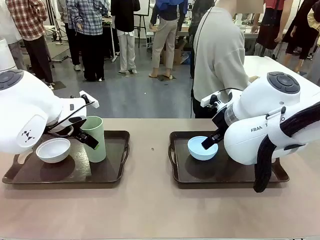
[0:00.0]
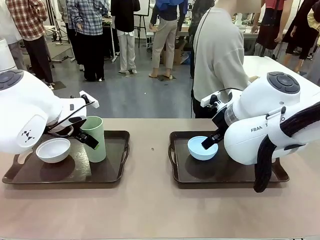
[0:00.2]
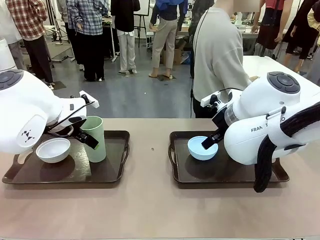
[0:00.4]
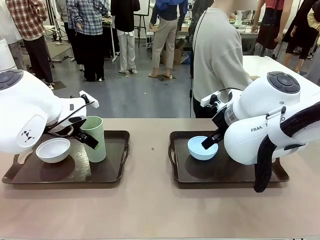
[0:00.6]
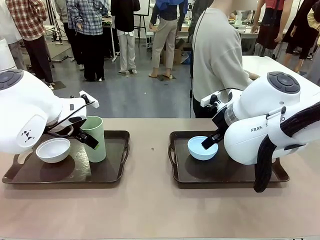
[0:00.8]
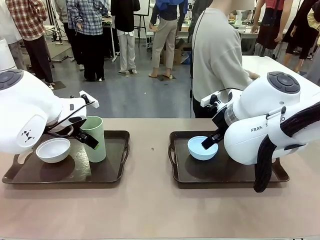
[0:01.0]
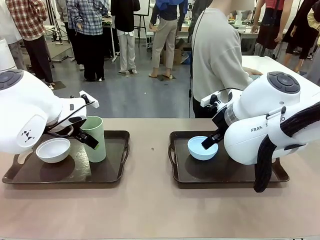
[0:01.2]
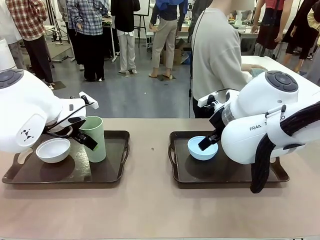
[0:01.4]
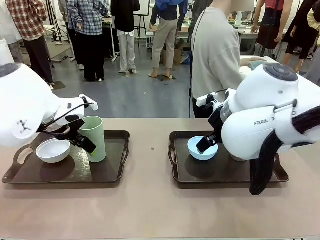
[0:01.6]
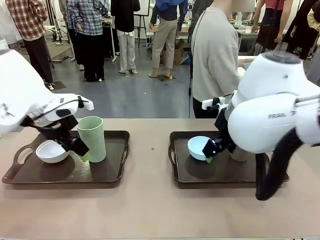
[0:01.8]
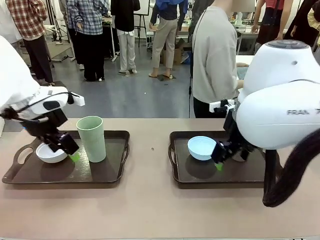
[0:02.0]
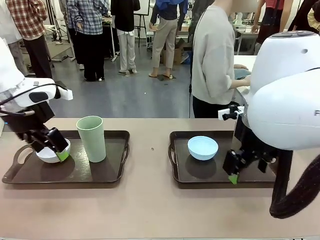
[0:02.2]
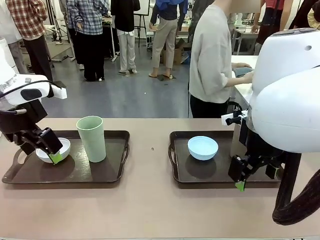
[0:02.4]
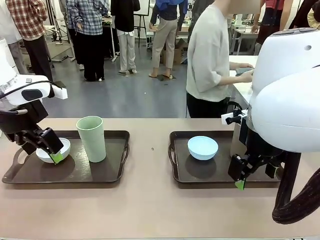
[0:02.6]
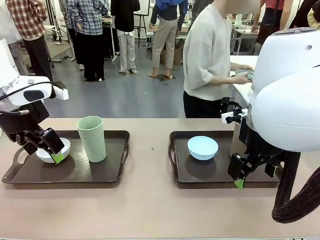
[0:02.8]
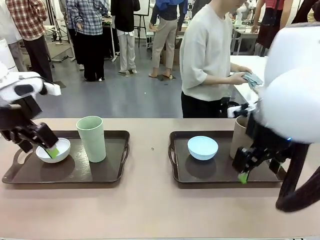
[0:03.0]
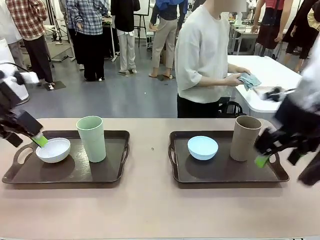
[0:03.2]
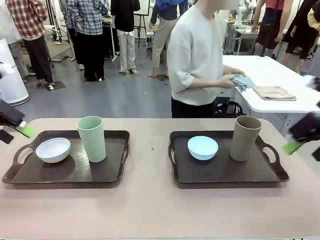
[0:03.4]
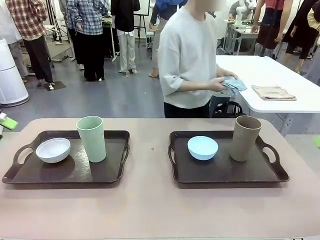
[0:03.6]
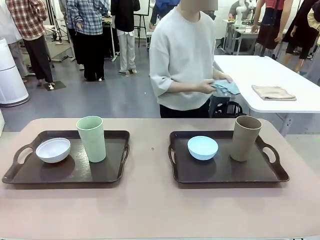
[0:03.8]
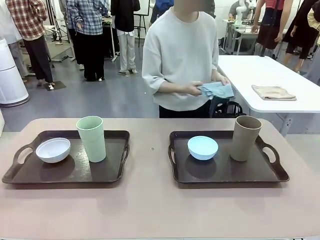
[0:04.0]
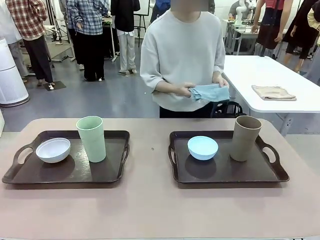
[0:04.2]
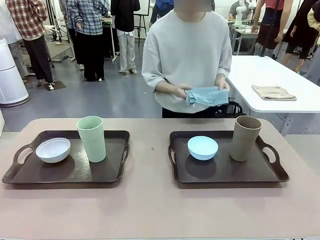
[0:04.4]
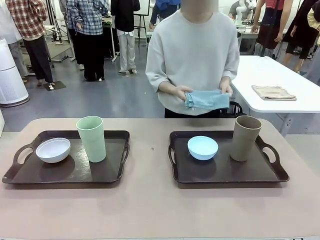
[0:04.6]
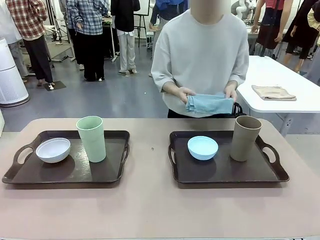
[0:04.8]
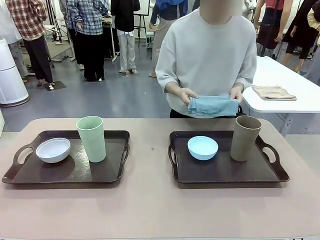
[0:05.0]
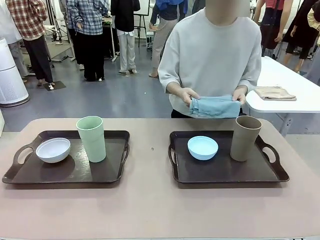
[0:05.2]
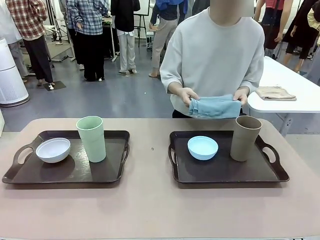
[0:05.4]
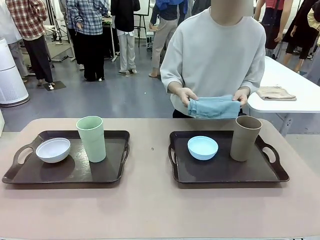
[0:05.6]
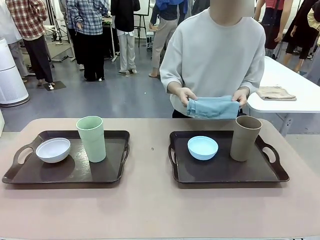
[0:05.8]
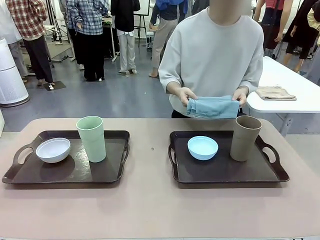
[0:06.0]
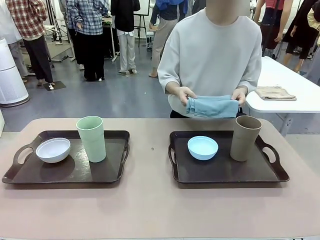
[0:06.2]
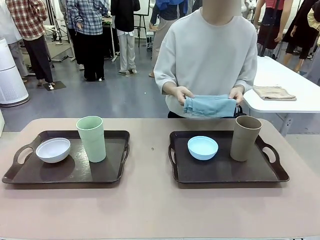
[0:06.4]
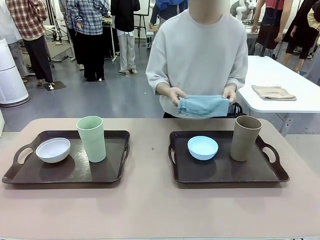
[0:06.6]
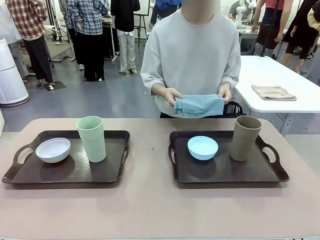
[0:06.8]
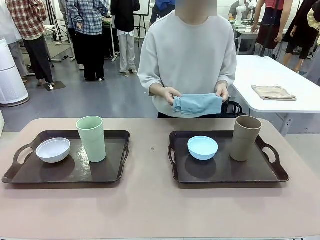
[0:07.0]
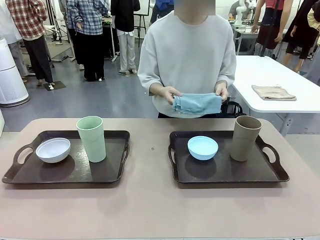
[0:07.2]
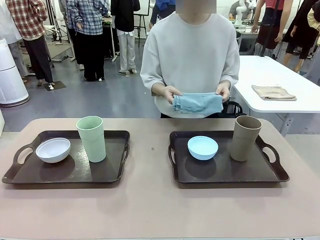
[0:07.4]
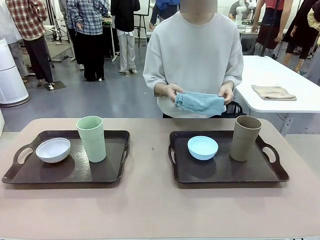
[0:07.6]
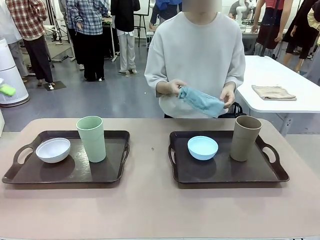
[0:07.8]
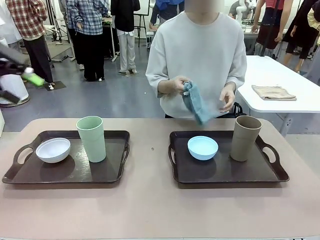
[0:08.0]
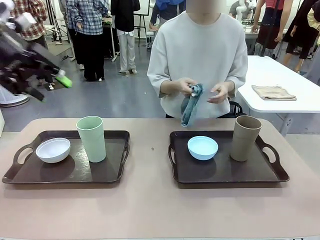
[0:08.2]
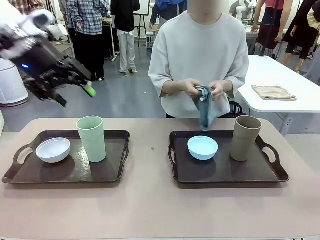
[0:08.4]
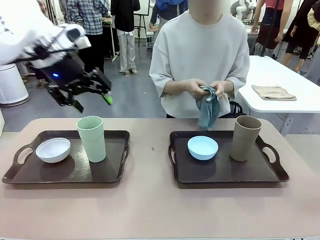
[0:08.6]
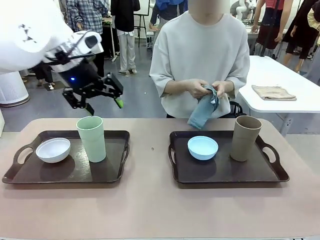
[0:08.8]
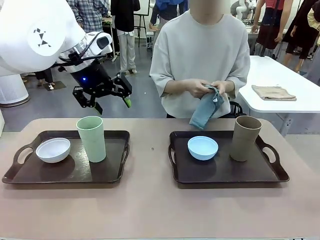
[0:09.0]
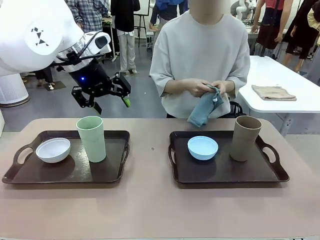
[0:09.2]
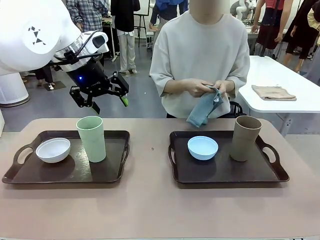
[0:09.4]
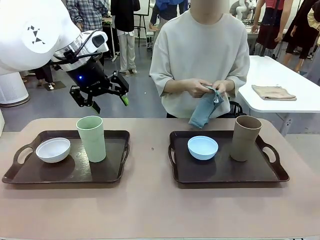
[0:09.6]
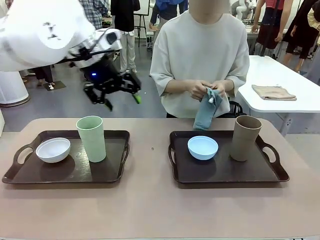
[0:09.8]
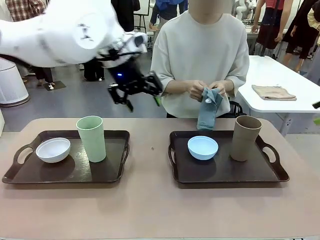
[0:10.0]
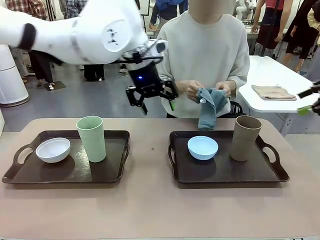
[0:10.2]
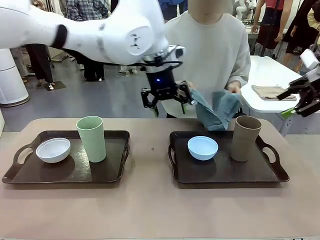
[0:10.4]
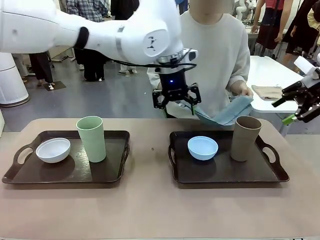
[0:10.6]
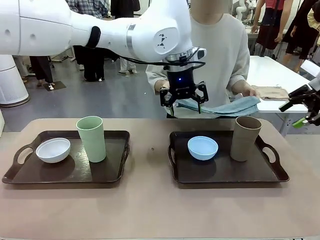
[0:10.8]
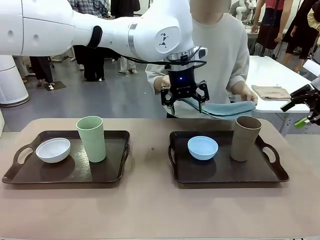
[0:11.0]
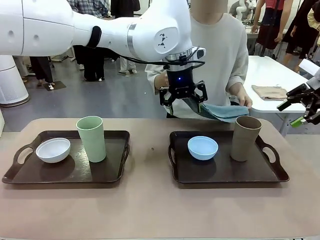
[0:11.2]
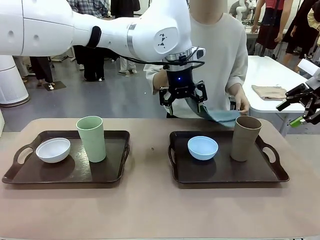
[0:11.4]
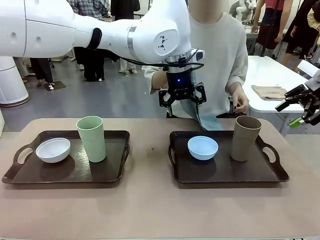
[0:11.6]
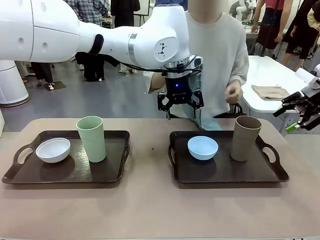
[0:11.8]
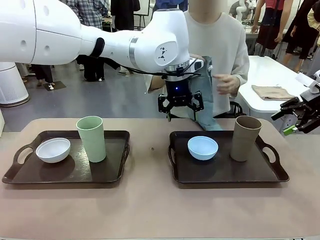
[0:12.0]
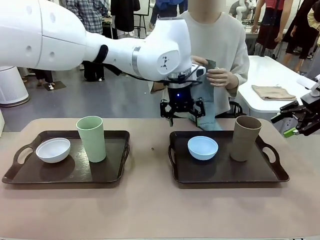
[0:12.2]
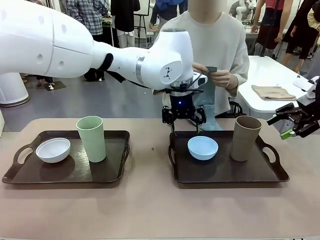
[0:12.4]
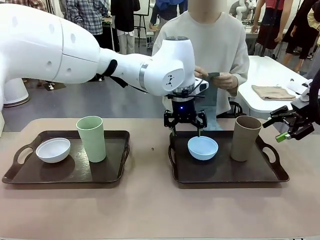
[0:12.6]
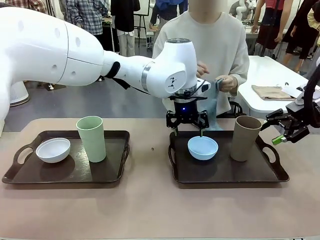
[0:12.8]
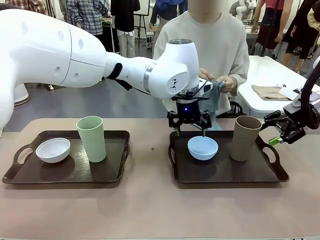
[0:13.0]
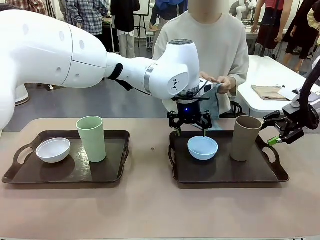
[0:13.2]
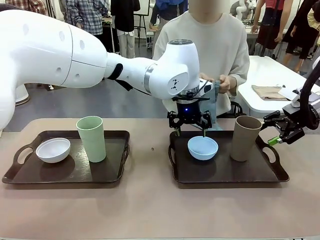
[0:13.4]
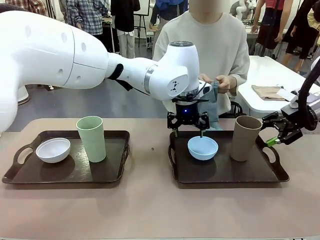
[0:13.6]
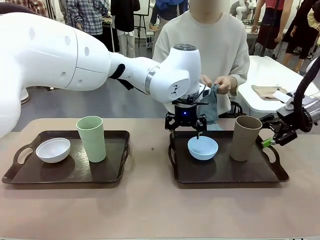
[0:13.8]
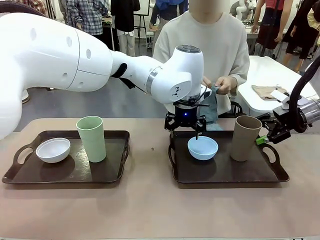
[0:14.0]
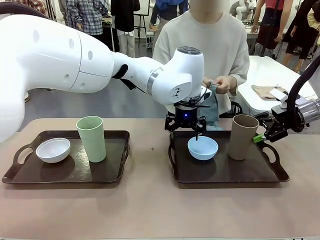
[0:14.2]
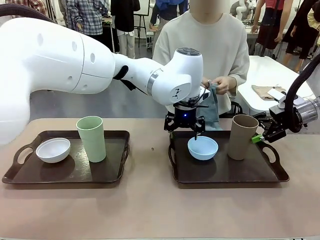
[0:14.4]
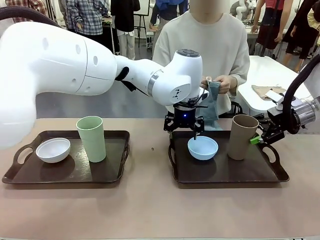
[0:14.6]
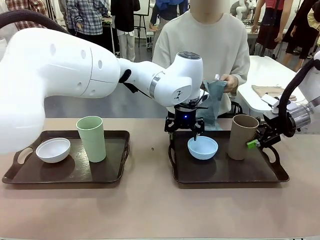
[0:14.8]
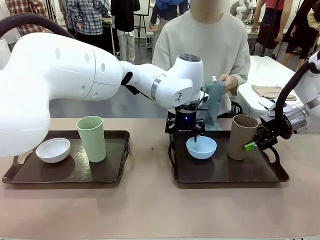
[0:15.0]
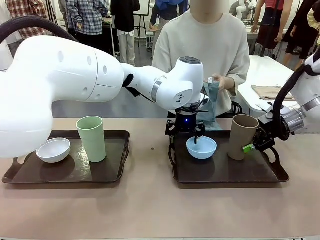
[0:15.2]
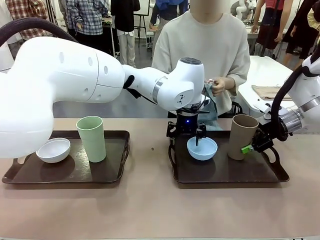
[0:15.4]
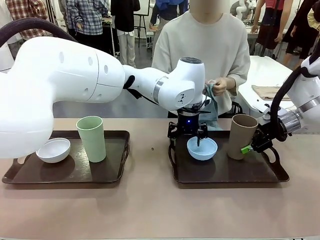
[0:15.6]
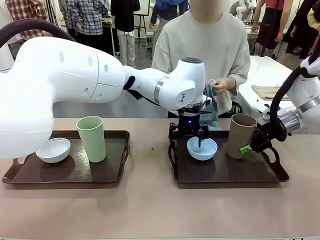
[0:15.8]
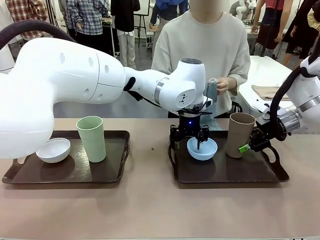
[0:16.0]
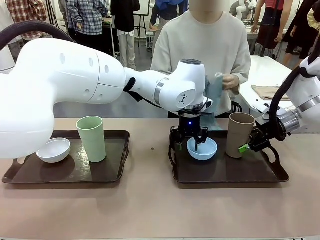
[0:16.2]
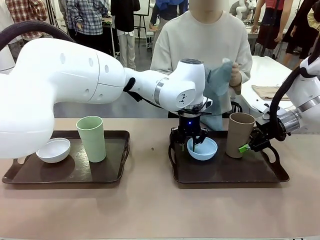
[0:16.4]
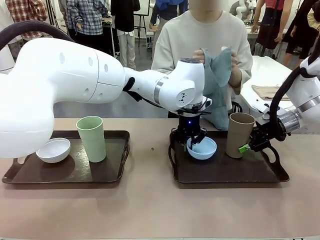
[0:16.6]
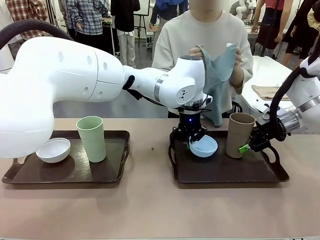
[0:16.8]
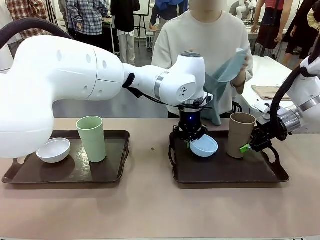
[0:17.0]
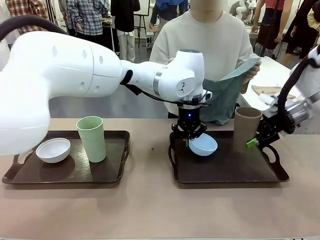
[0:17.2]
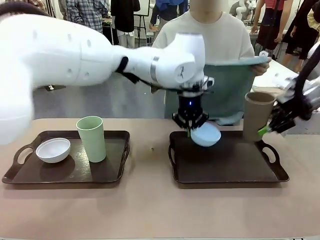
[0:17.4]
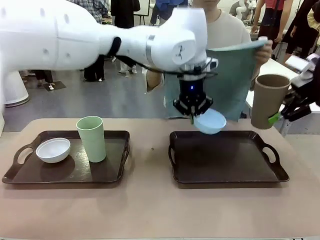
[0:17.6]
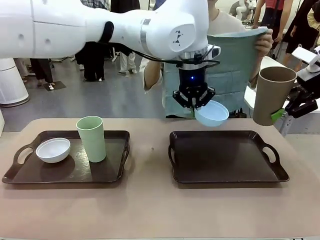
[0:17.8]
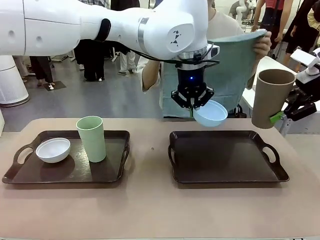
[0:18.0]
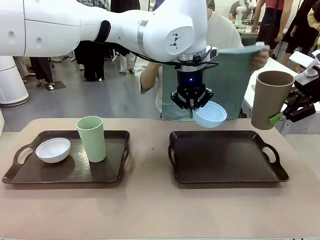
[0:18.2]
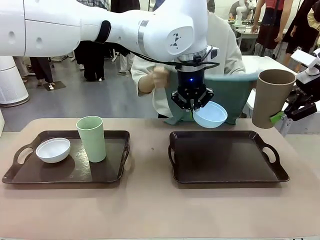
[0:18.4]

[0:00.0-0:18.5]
Robot: Pick up the Picnic Bowl and Reusable plastic cup from the Handle tray in front of the human's position and hold them in the air.
Person: The human picks up the top napkin from the stack on the human table and walks to the robot table to stand in front of one of the two trays. When the robot lifts the bowl and the cup, the human unfolds the napkin and lays the napkin flat on the tray.
